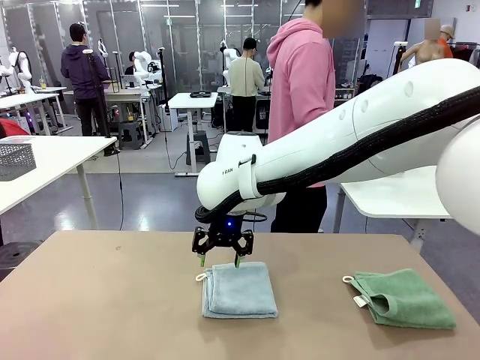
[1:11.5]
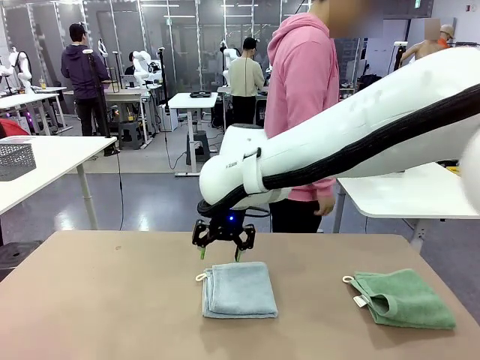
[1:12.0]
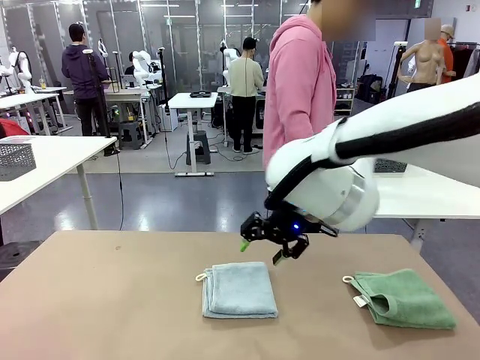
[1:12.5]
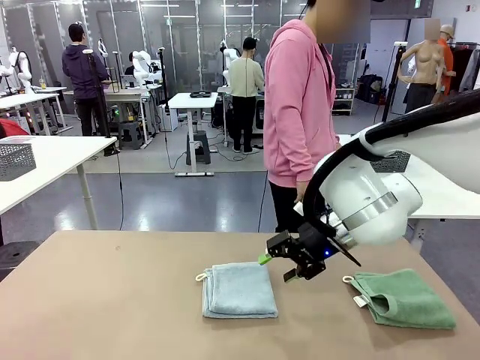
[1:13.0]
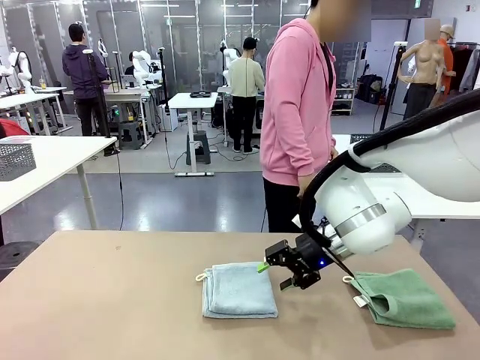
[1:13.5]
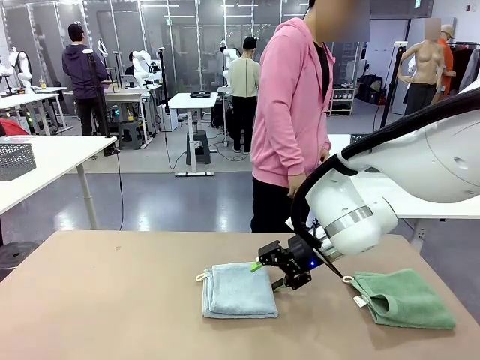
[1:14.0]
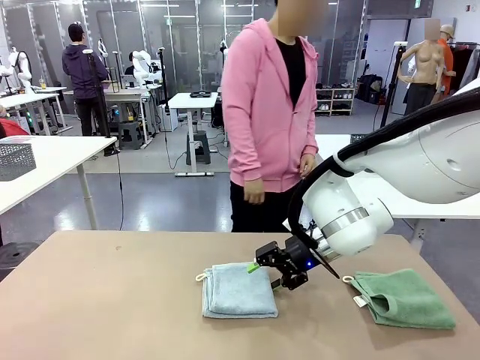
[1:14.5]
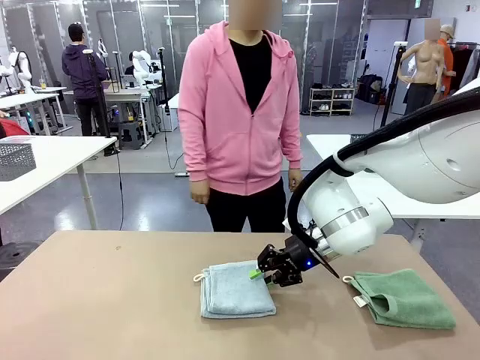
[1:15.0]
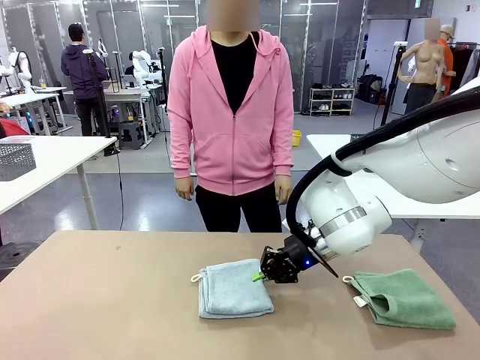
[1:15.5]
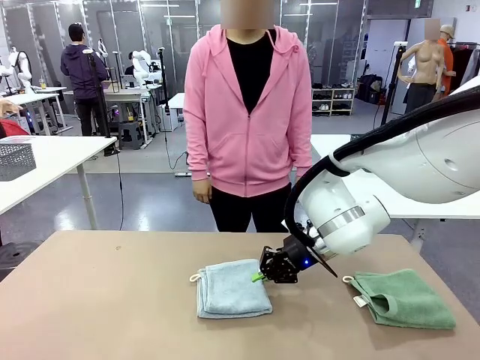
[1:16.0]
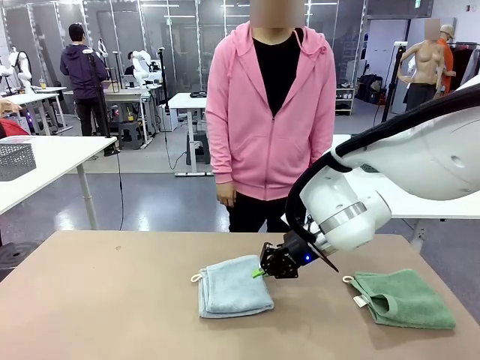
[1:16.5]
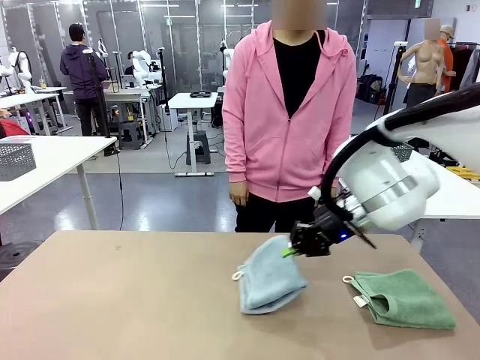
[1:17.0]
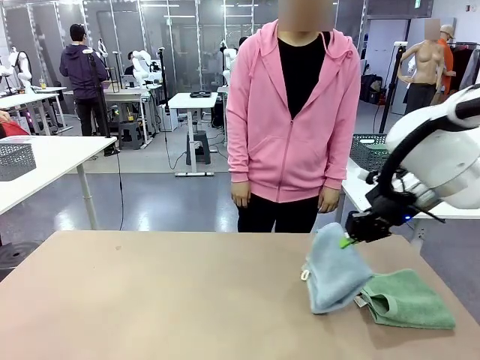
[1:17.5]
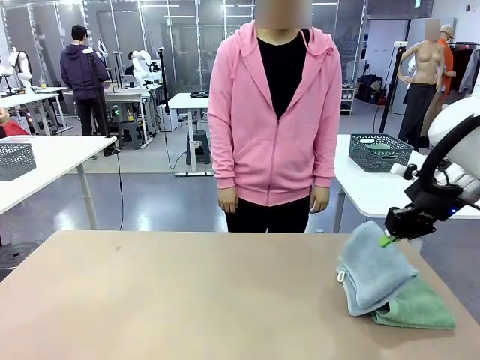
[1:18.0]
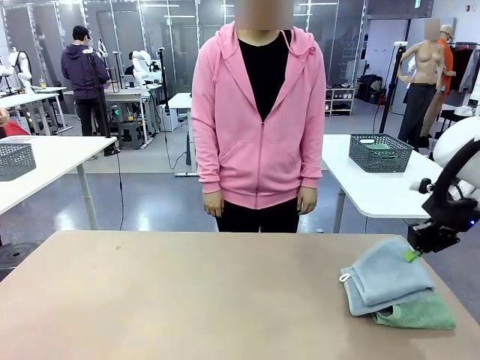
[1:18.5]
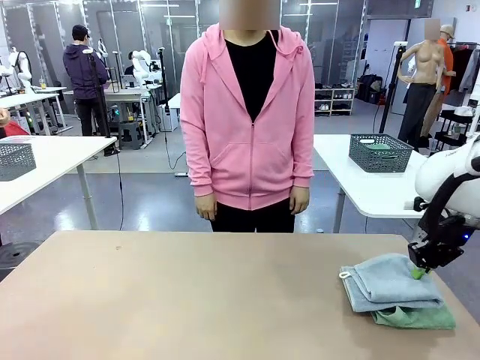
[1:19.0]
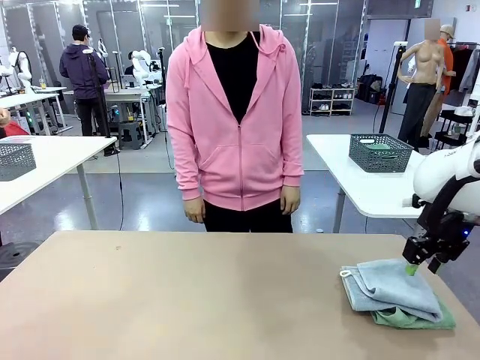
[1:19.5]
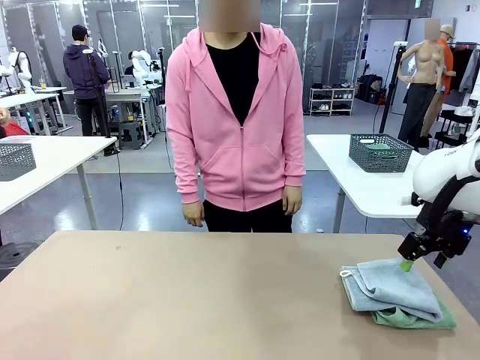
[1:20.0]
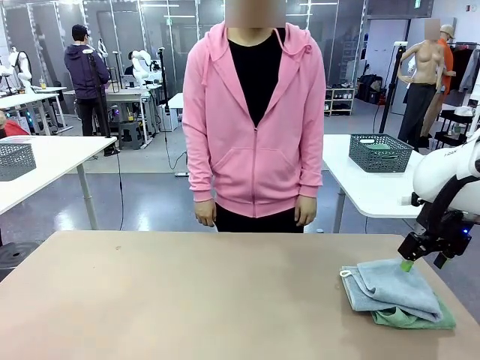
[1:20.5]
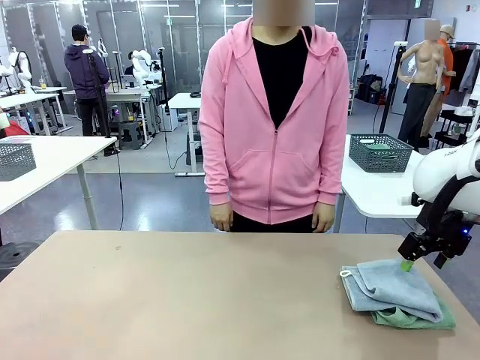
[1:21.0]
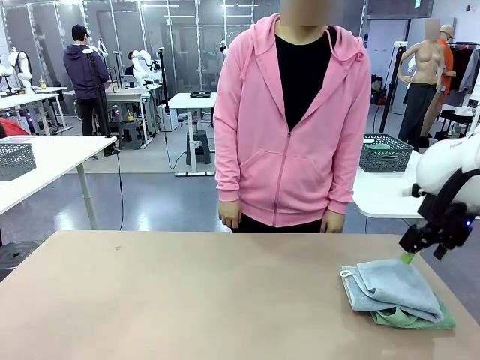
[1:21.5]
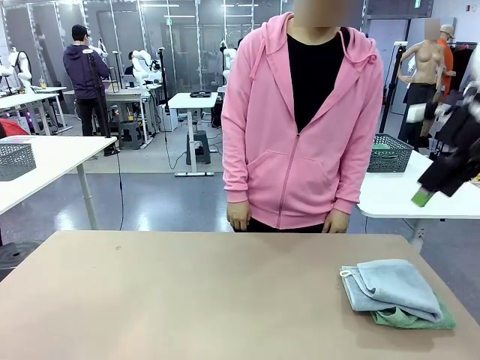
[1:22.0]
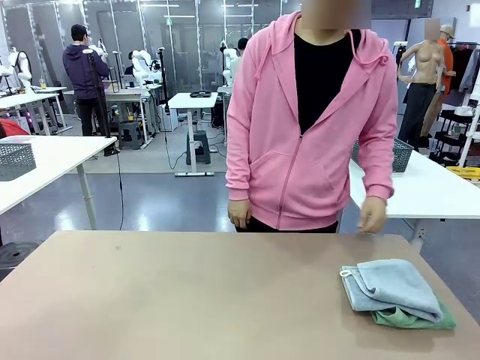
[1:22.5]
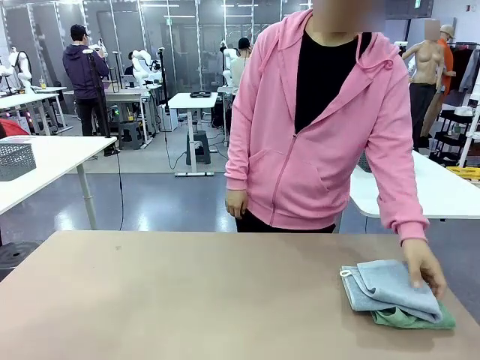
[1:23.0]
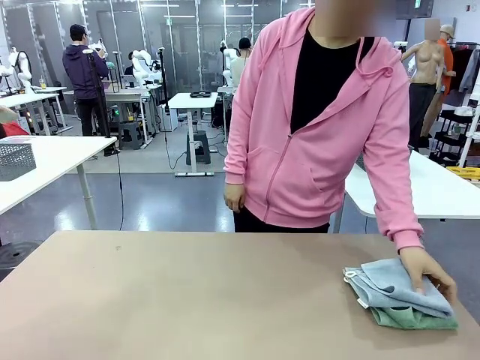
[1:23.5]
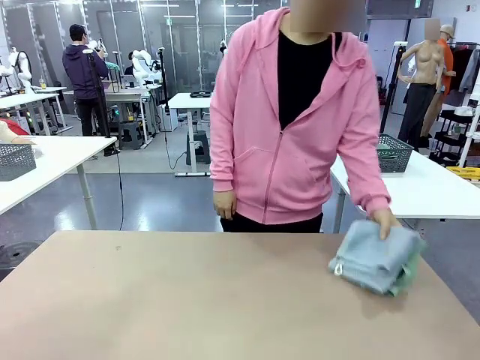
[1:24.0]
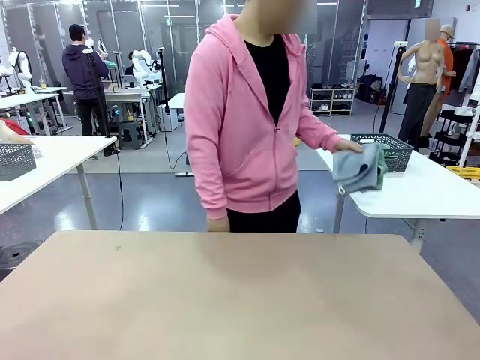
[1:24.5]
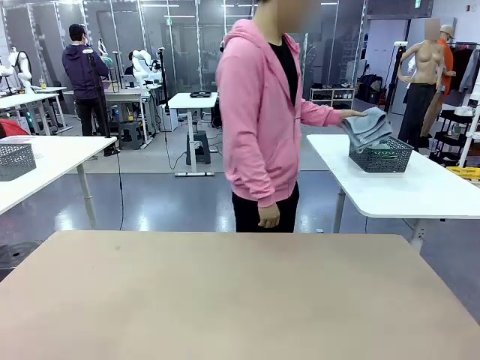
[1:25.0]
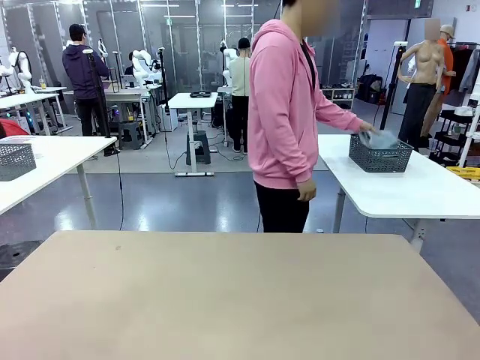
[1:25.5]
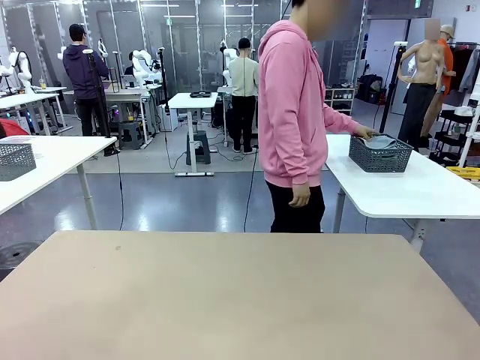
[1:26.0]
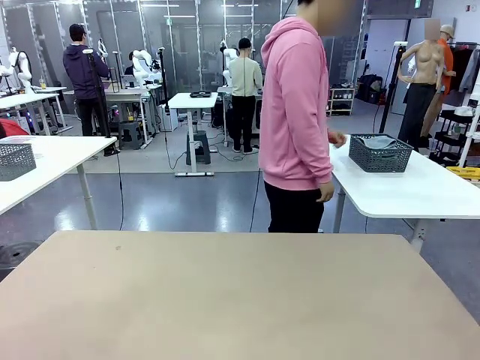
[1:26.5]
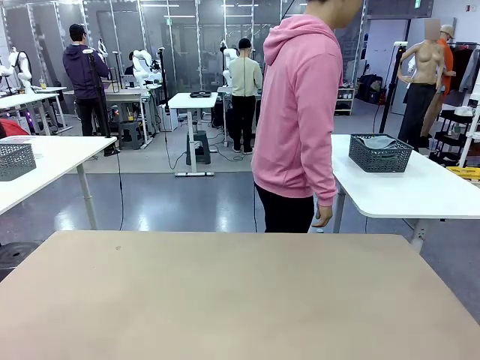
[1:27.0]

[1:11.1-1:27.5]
Task: Fold the towels and place them in the basket.
Robot: Stack the folded Towel with hook on the right side of the table.
Person: Pick up the stack of towels from the robot table and place it into the basket.

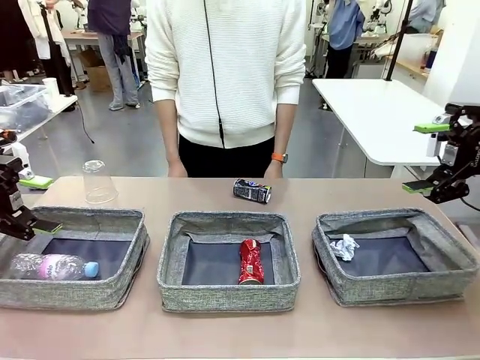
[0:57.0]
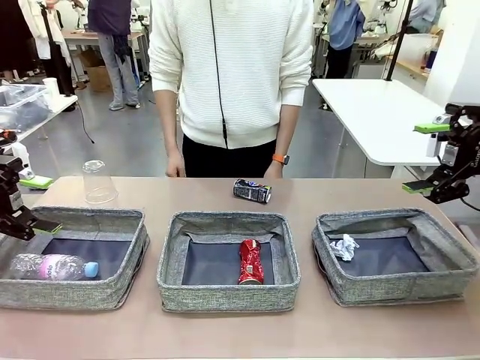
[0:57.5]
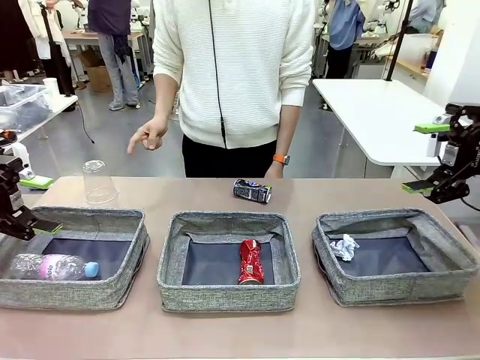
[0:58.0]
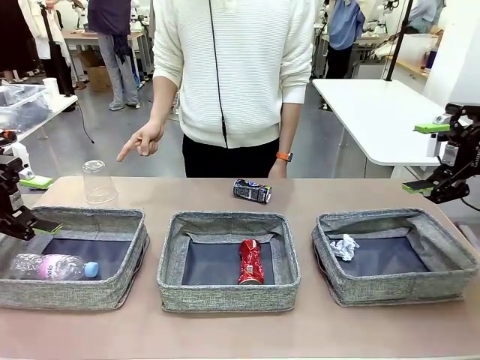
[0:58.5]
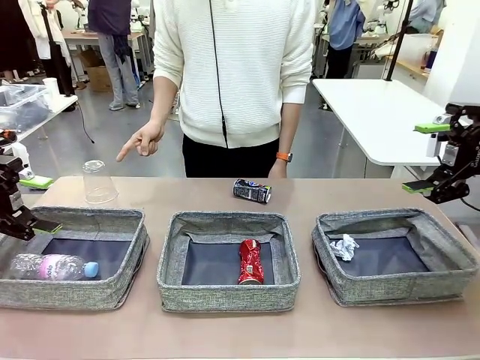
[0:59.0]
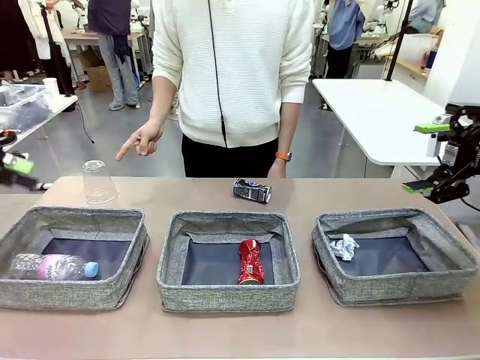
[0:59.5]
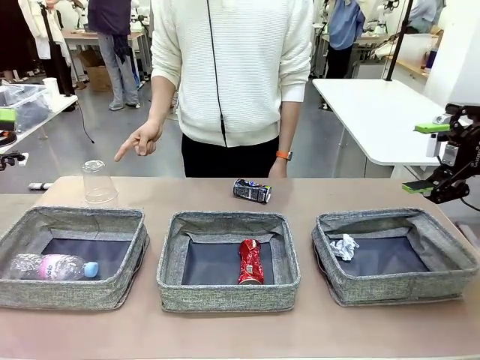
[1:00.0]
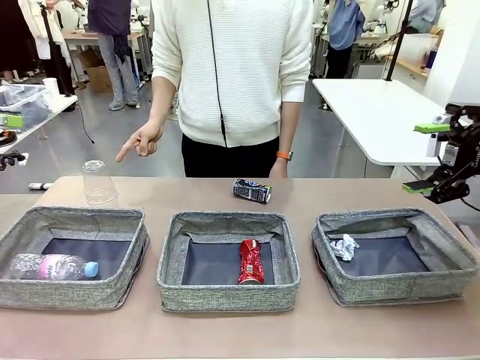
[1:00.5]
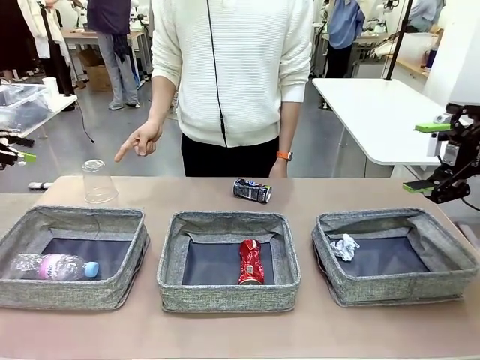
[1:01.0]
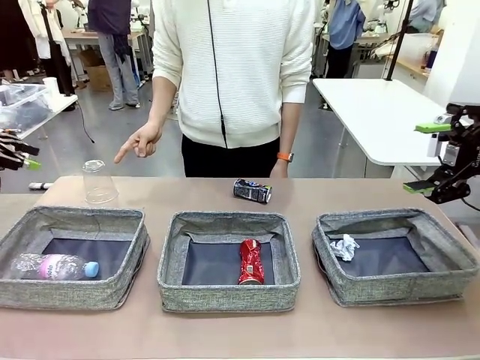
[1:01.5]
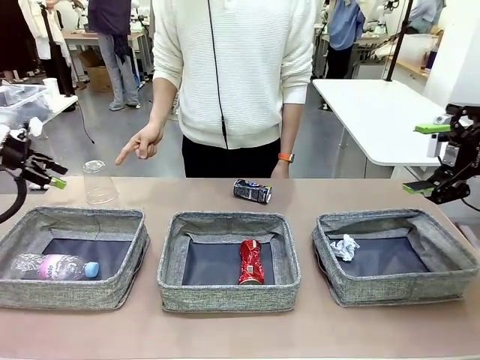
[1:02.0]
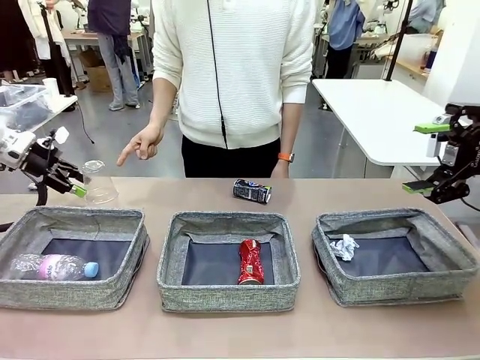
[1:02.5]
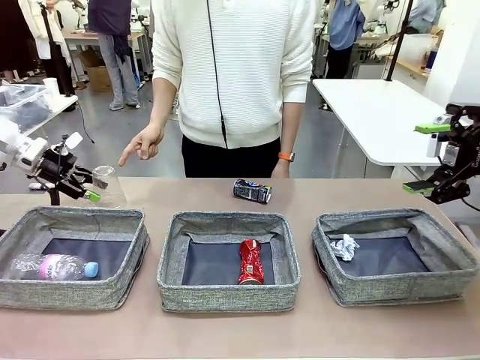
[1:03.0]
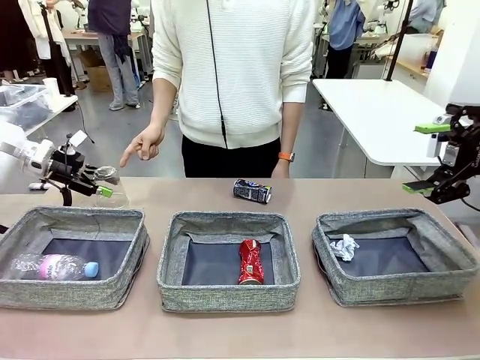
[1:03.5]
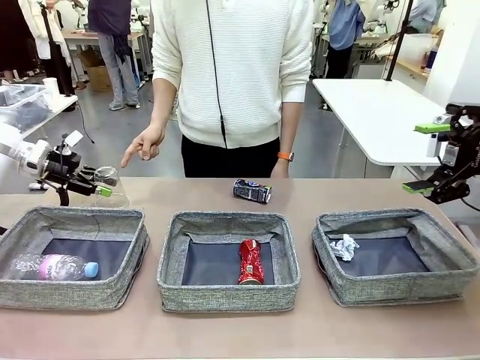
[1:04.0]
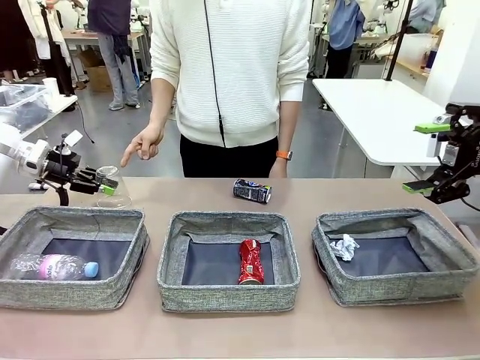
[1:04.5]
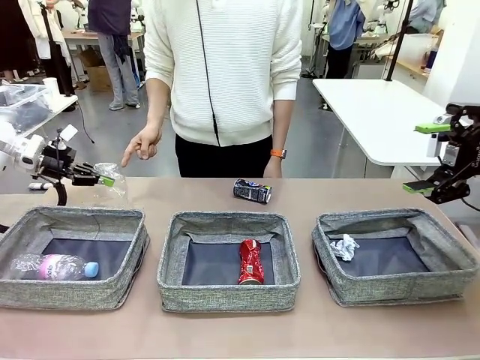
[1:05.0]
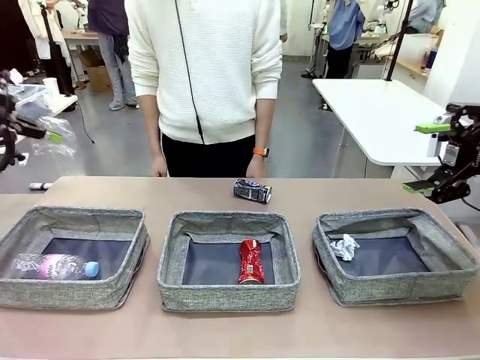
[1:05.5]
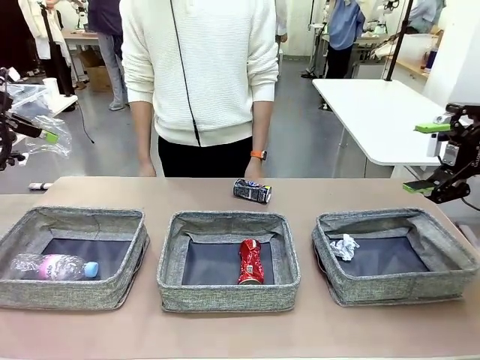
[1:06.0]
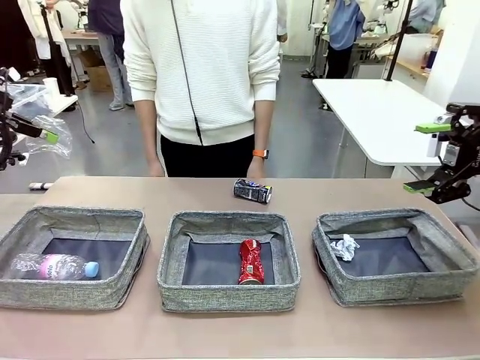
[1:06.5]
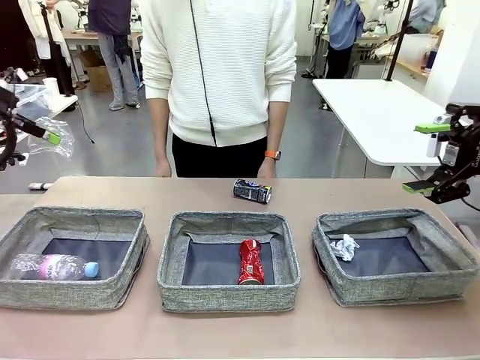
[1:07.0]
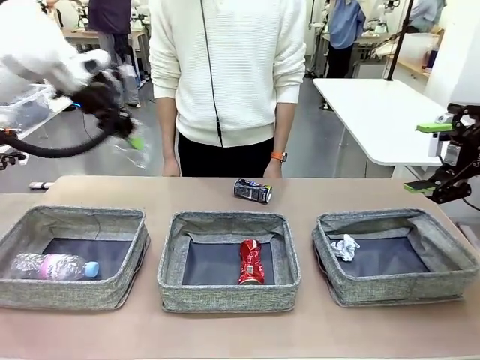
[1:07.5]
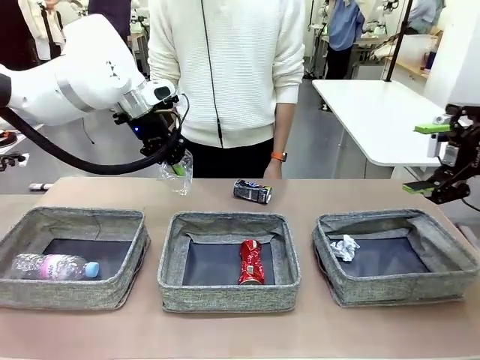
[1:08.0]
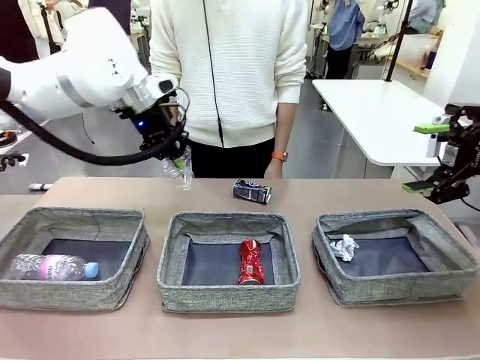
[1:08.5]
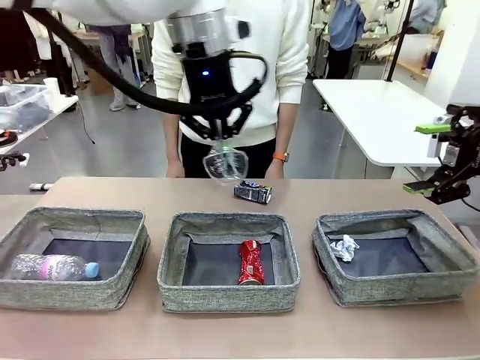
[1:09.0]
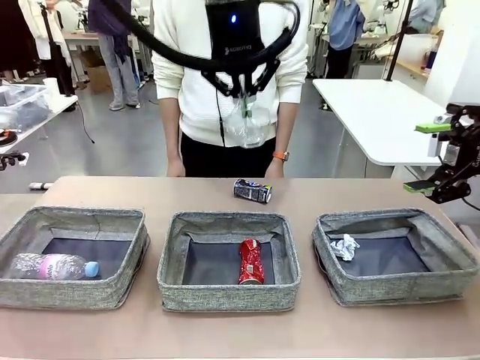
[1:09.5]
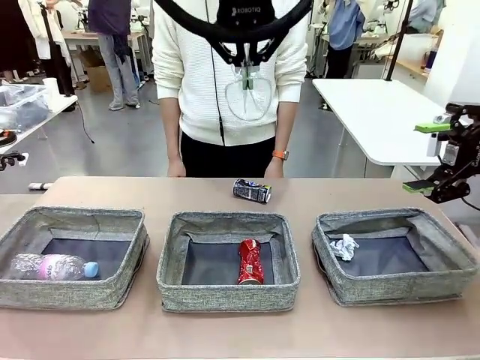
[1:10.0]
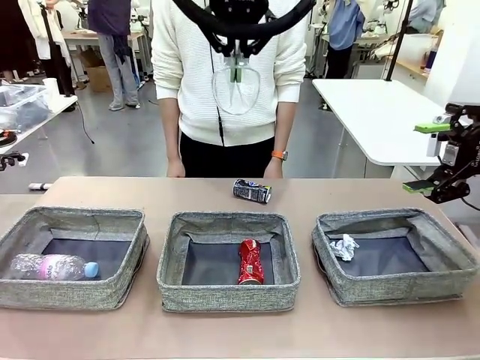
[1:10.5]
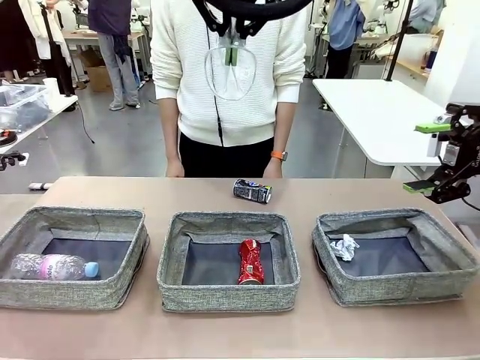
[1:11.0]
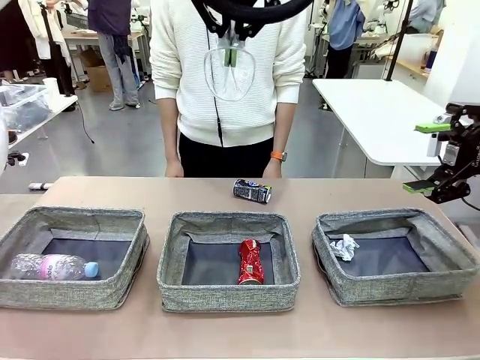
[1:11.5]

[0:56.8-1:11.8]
Task: Sort the waste into the appropriate baskets.
Robot: Pick up the waste item pointed out by the person.
Person: Points to one piece of trash on the table.
